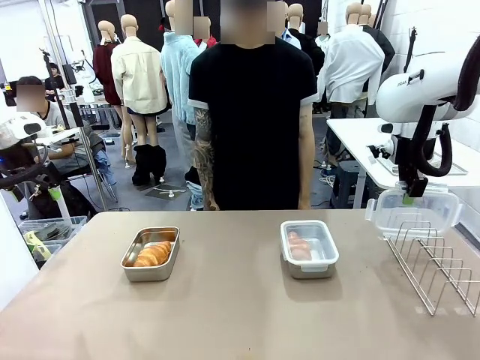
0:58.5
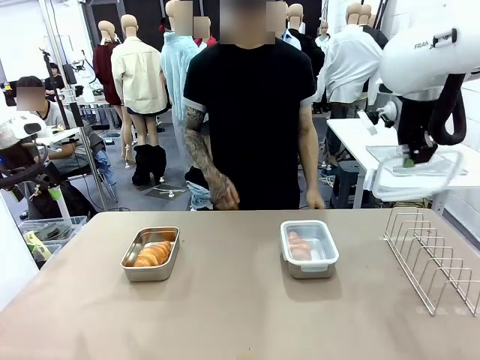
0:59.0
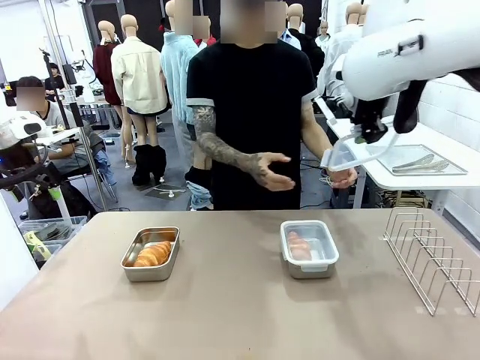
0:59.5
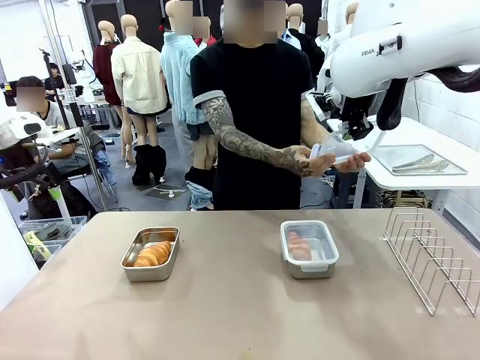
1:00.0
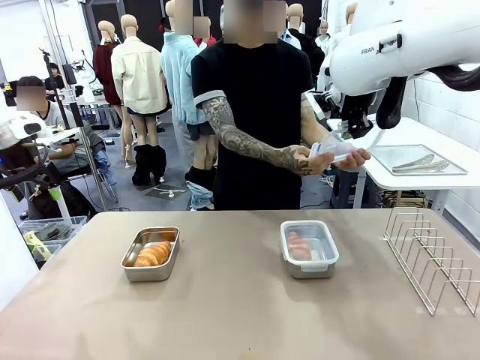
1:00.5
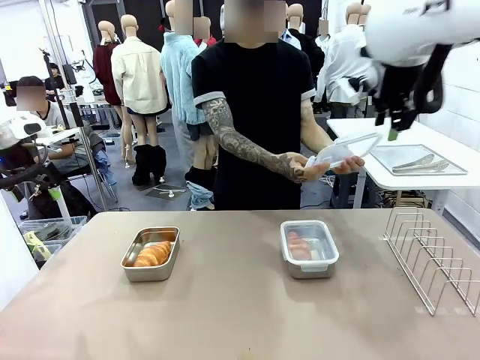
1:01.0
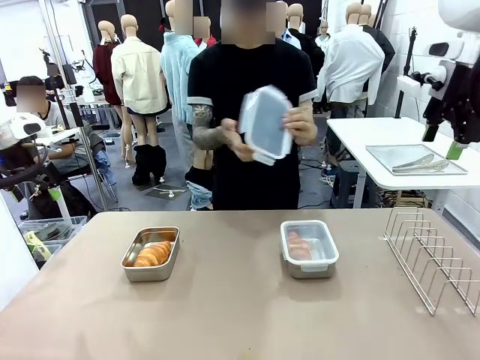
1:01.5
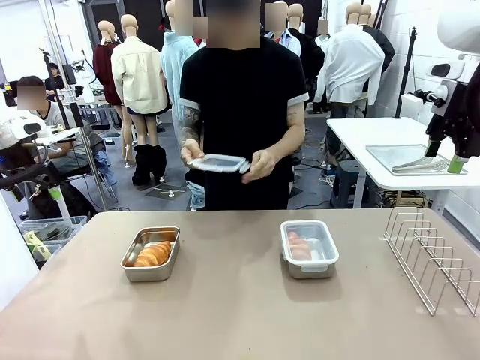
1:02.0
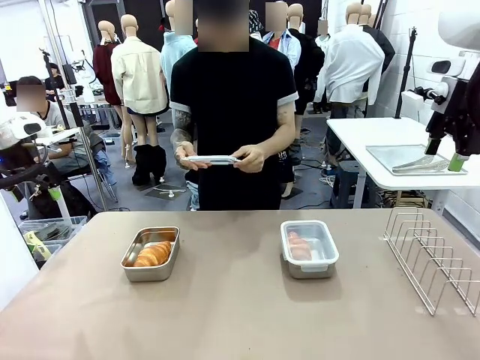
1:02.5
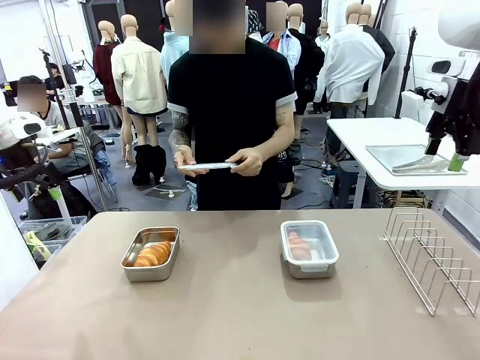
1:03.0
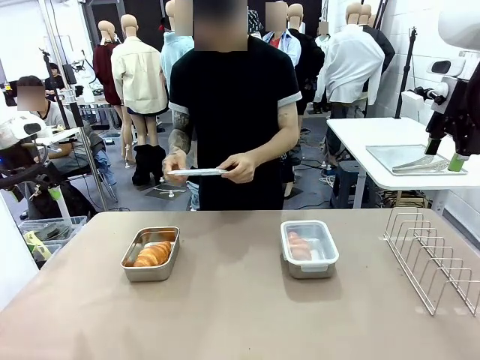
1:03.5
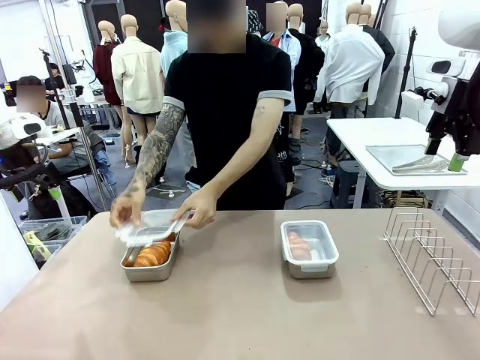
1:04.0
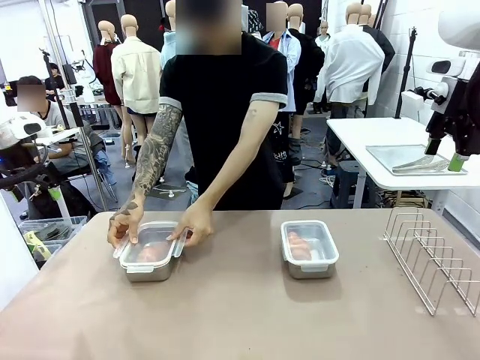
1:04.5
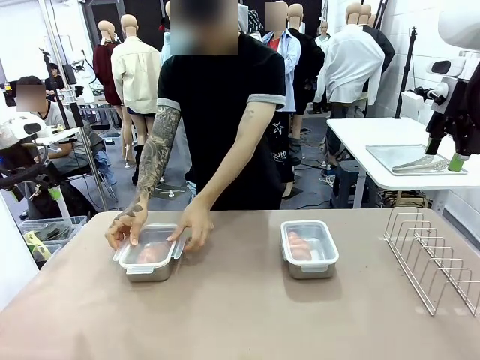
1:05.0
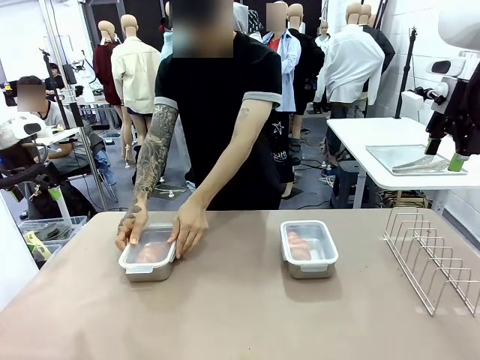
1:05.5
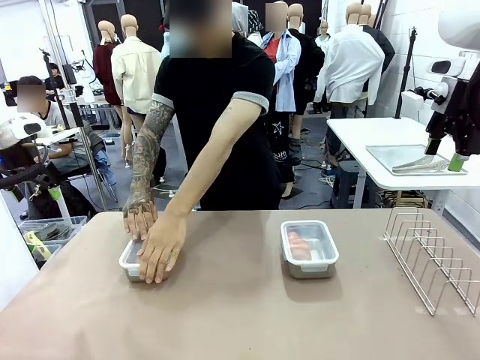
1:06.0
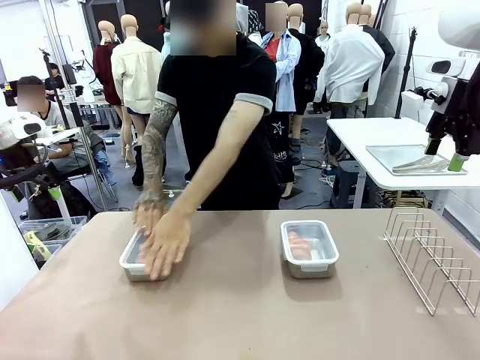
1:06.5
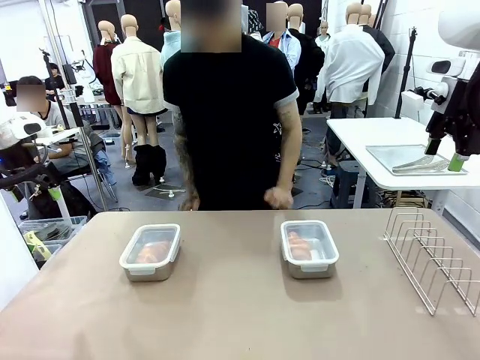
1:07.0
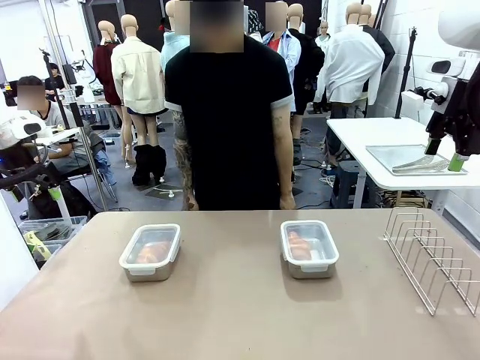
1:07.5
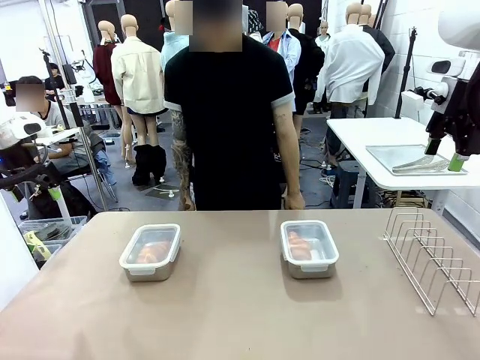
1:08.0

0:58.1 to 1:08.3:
Task: Place the bread in airtight containers.
Robot: Release when the human grabs the Airtight Container lid.
Person: Grip Airtight Container lid that robot is handing. Close Airtight Container with a handed Airtight Container lid.

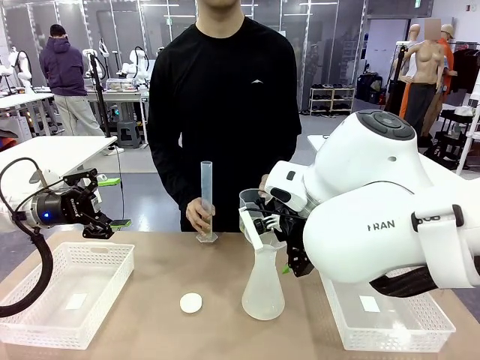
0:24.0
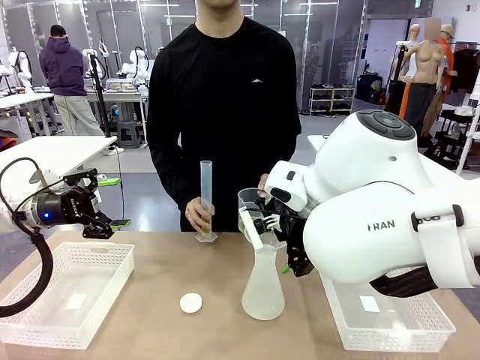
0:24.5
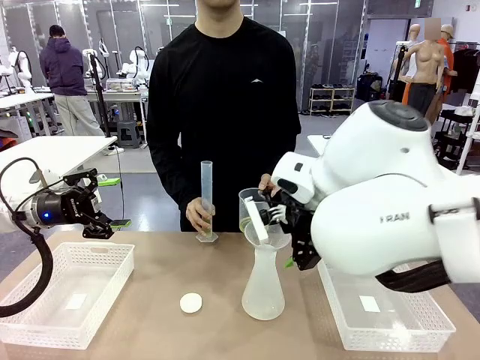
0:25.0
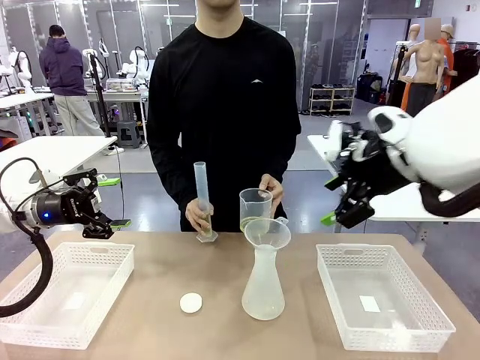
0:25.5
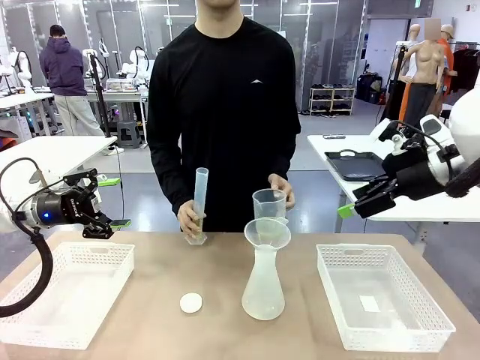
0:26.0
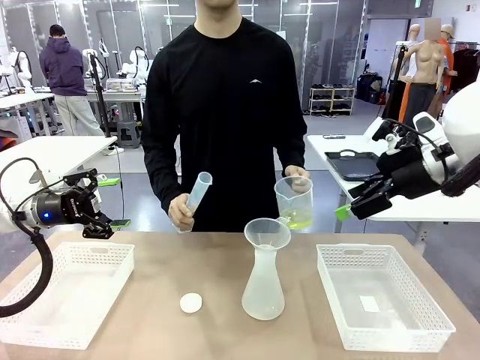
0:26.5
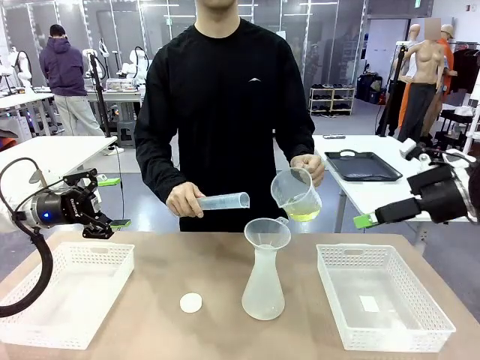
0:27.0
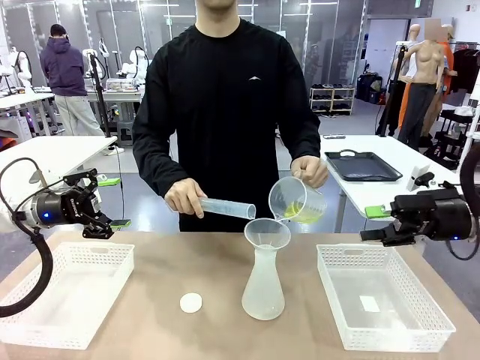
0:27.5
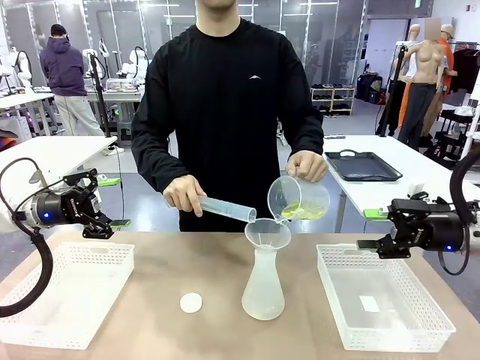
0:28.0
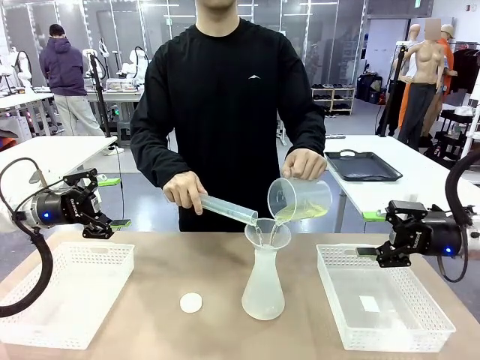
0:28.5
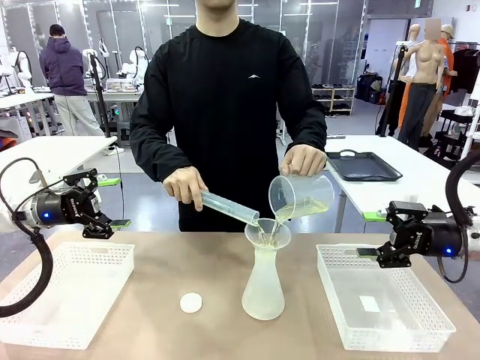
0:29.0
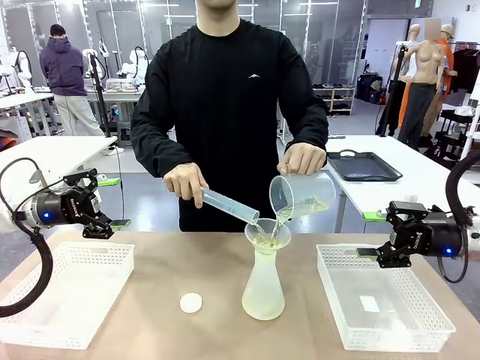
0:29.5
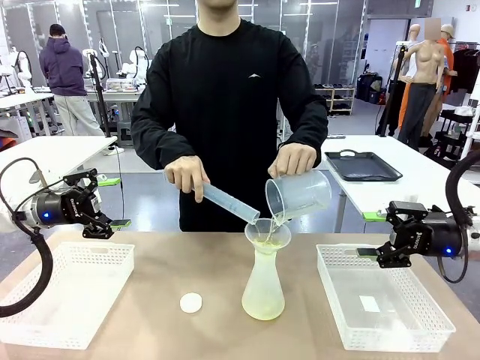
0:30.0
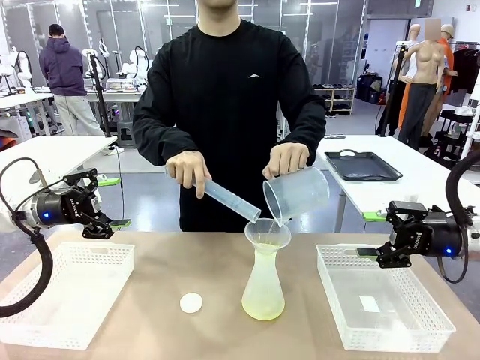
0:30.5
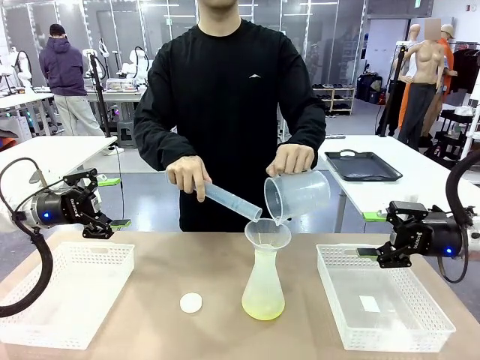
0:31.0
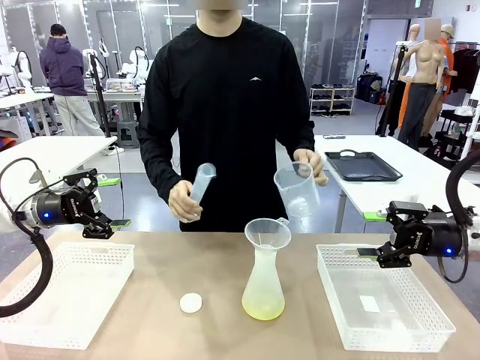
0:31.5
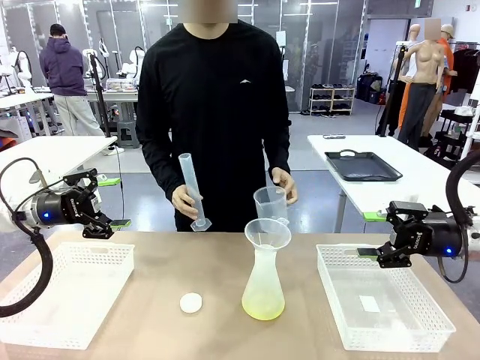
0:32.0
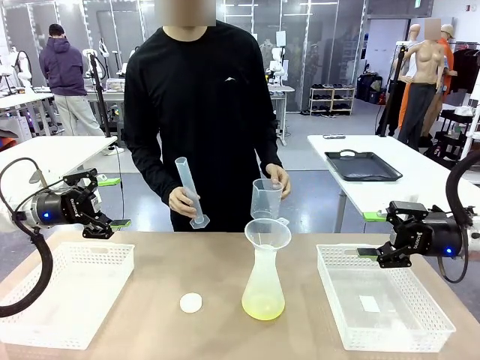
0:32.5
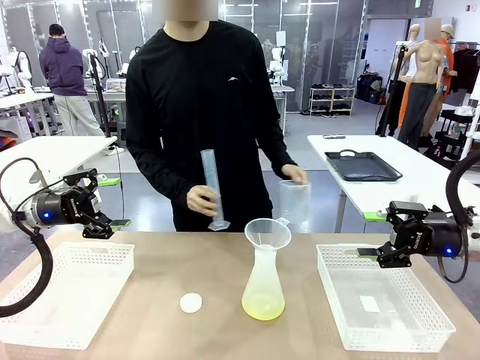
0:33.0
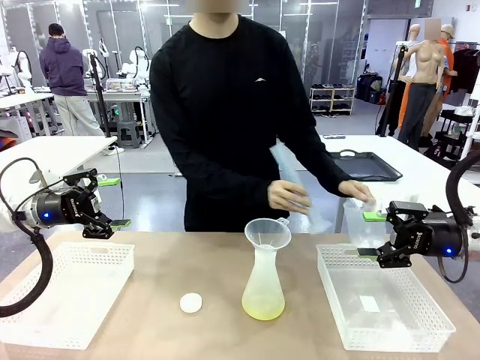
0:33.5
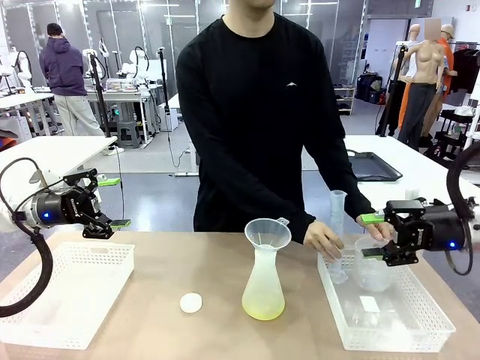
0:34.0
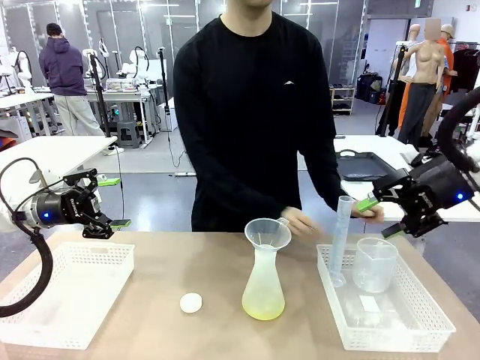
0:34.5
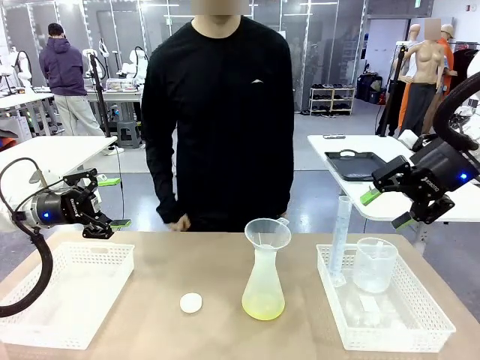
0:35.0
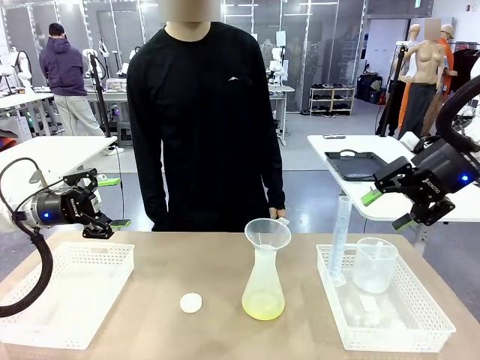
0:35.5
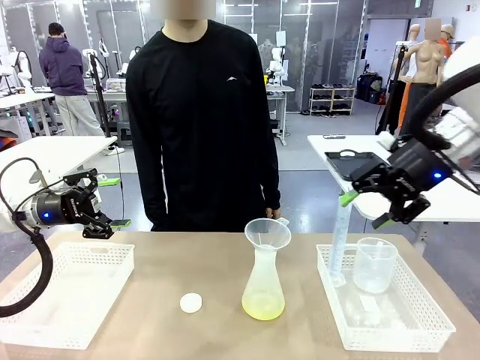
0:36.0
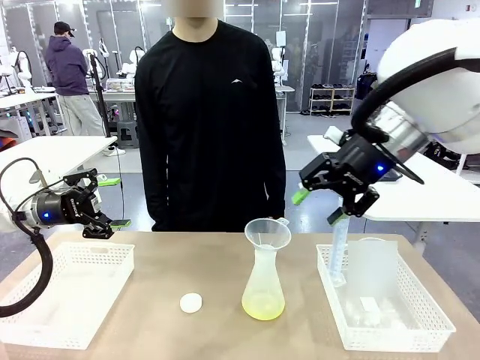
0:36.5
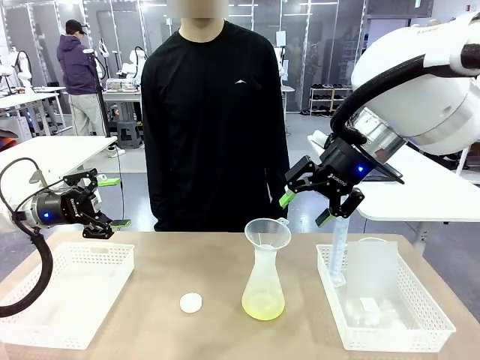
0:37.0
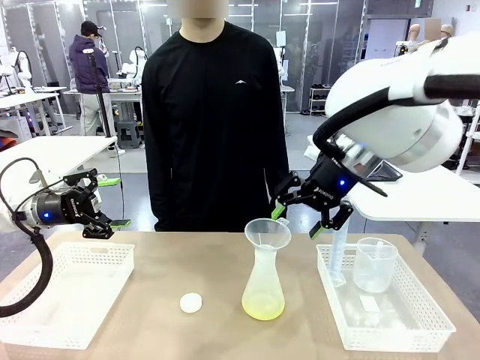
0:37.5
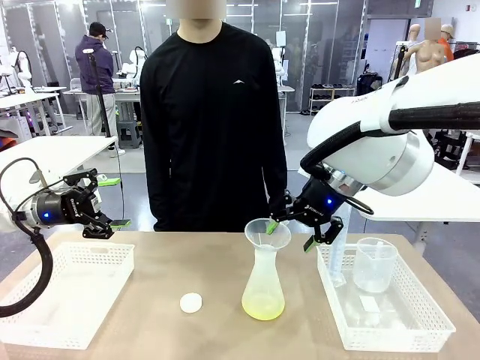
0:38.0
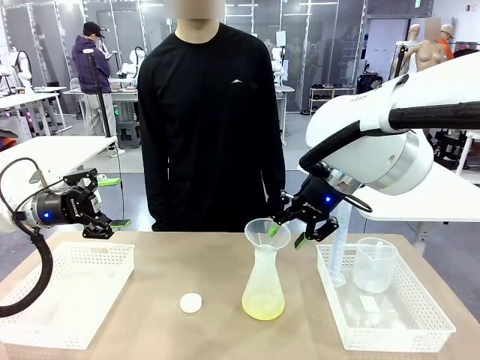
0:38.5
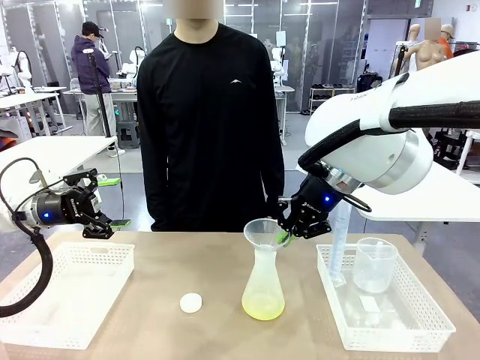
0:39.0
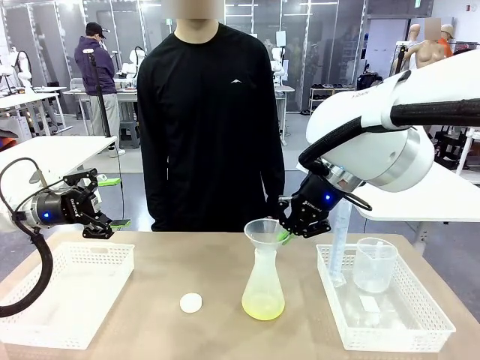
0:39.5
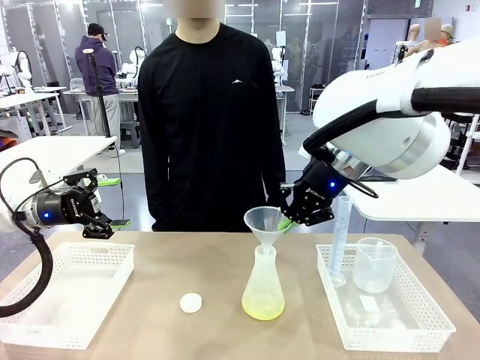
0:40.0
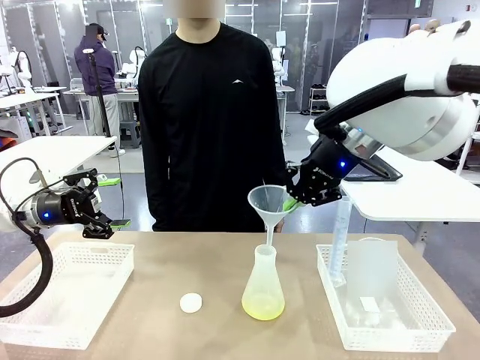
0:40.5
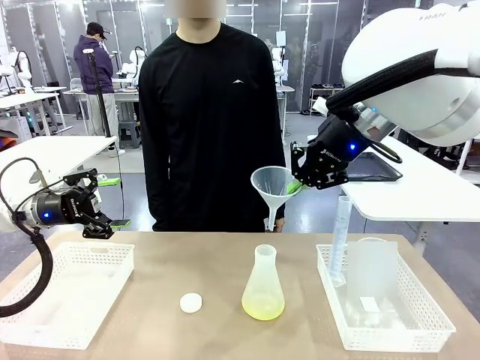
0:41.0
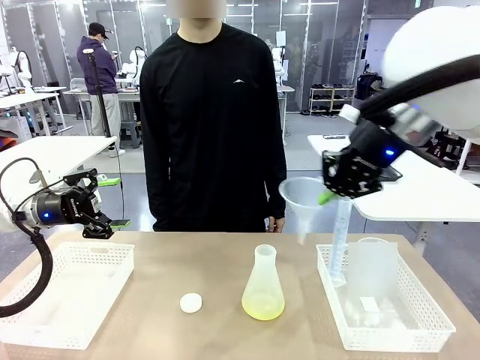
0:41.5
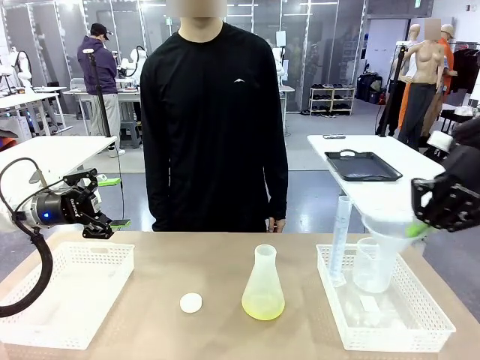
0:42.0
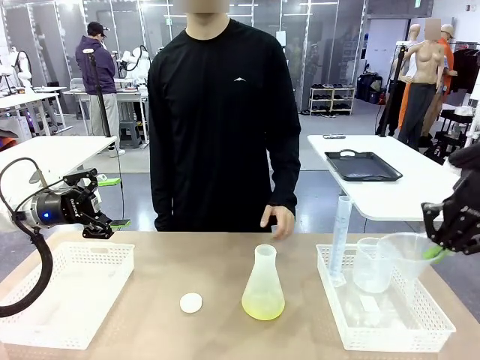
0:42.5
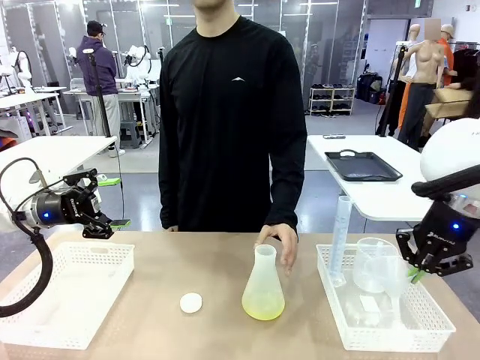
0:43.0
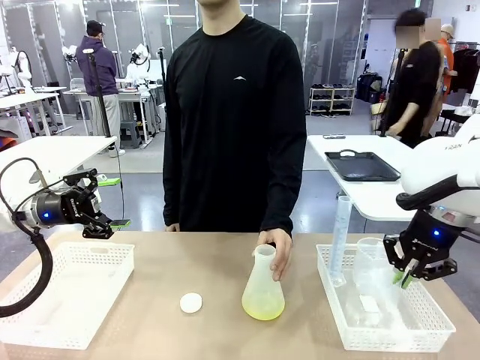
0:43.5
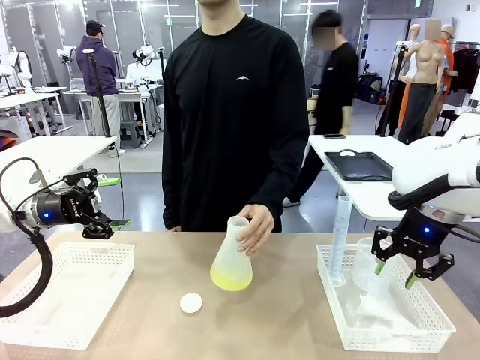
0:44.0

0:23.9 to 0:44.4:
Task: Prepare the solutions needed for the experiment.
Robot: Once the solution is in the Big flask , pick up the Plastic Funnel and place it back into the right Organizing basket.
Person: Place the beaker and the cylinder into the organizing basket on the left side. Pick up the flask, gently shake it 2–3 times, place it in the middle of the robot table, and close the lid.
